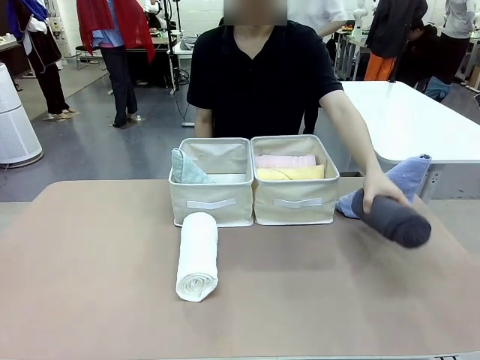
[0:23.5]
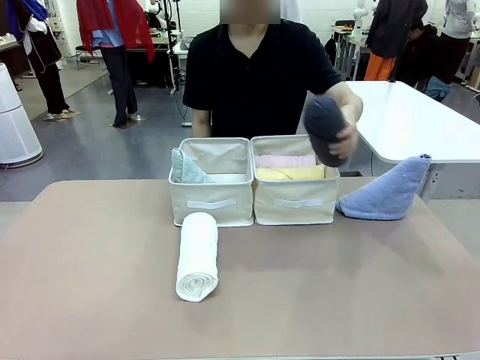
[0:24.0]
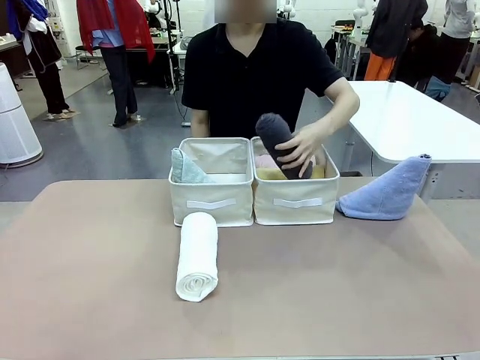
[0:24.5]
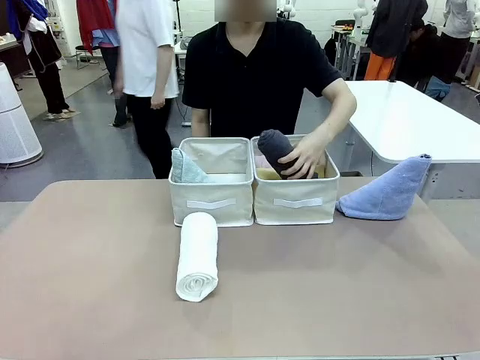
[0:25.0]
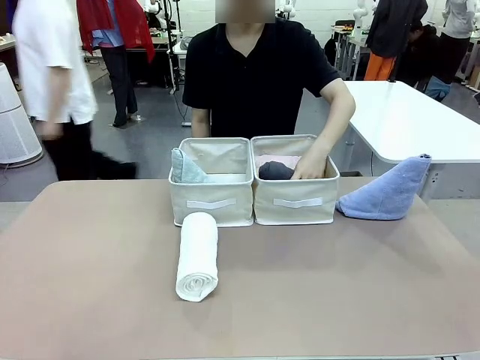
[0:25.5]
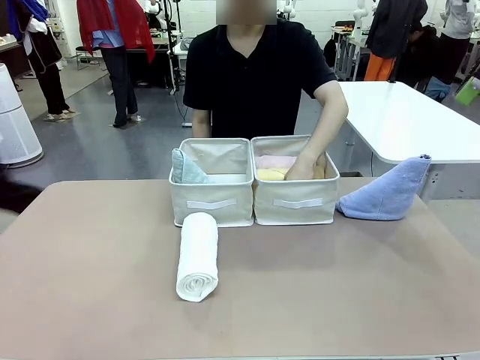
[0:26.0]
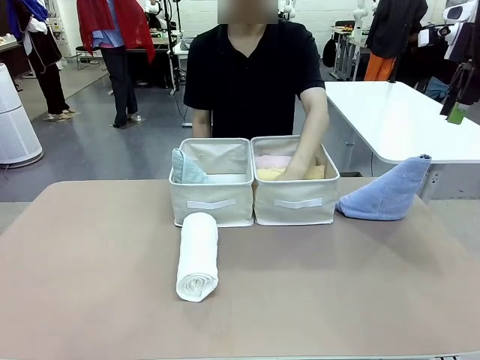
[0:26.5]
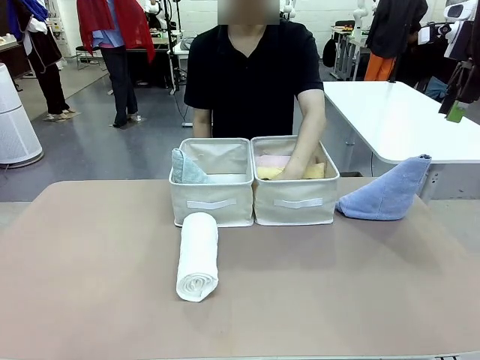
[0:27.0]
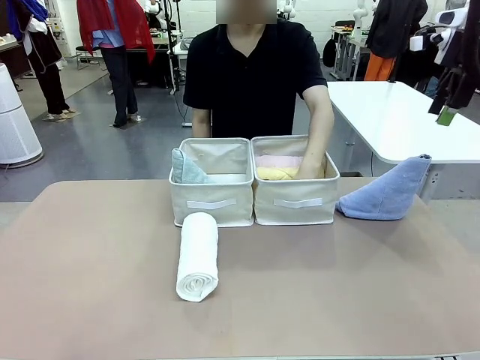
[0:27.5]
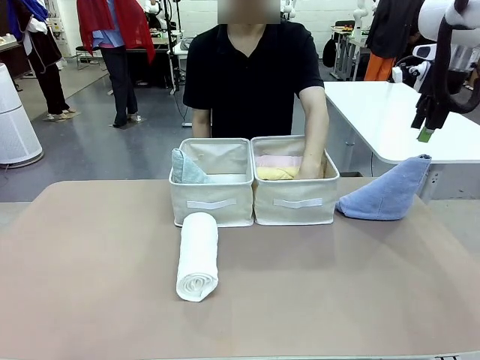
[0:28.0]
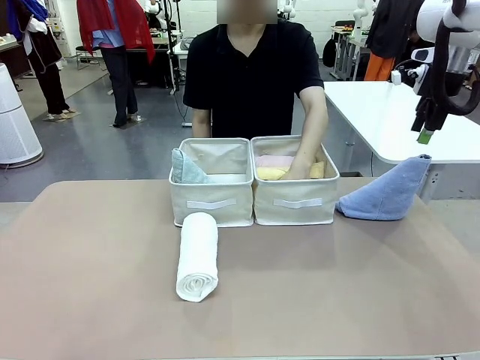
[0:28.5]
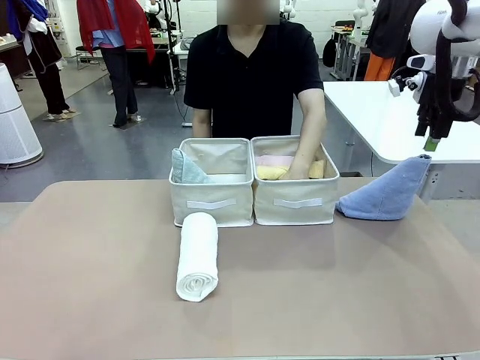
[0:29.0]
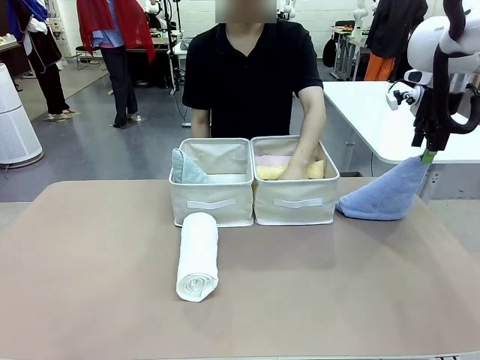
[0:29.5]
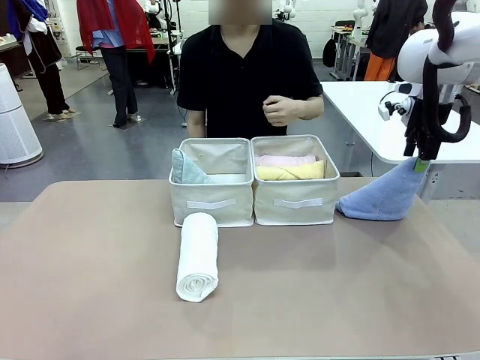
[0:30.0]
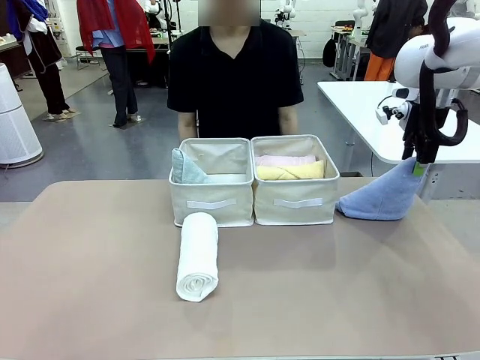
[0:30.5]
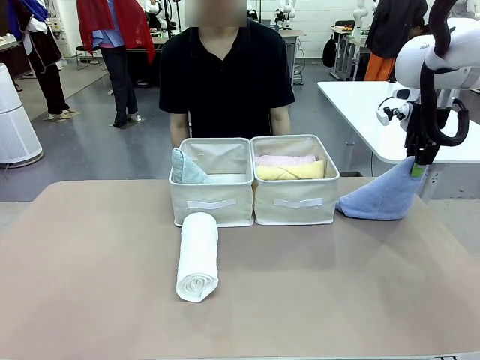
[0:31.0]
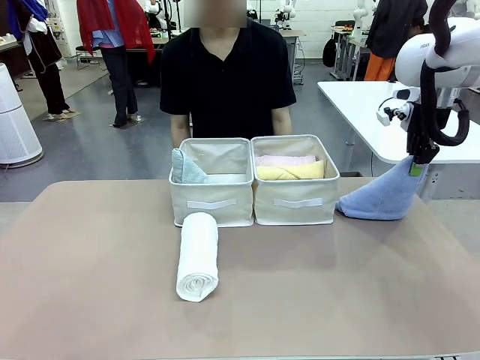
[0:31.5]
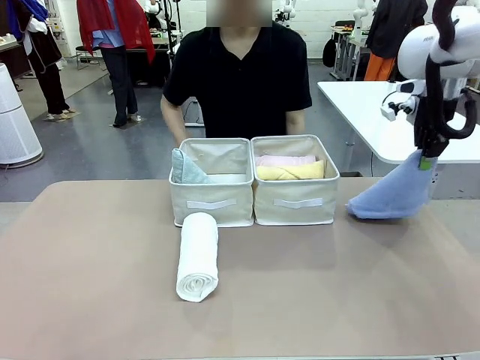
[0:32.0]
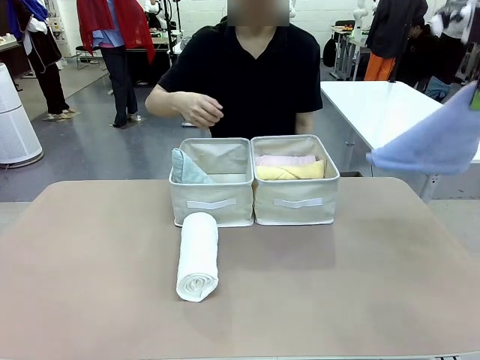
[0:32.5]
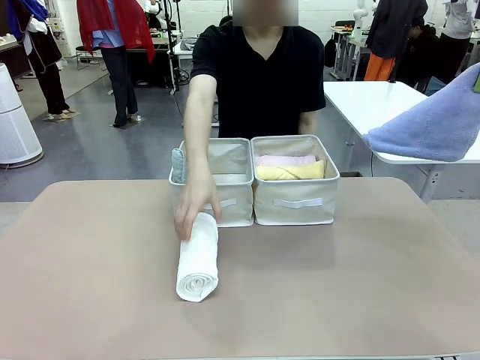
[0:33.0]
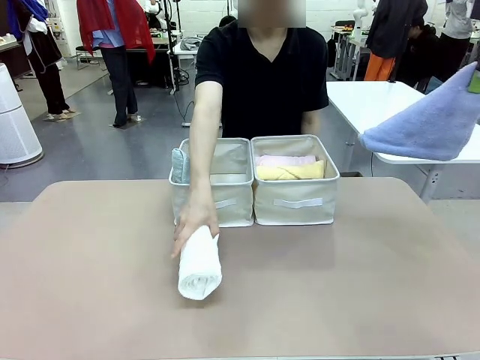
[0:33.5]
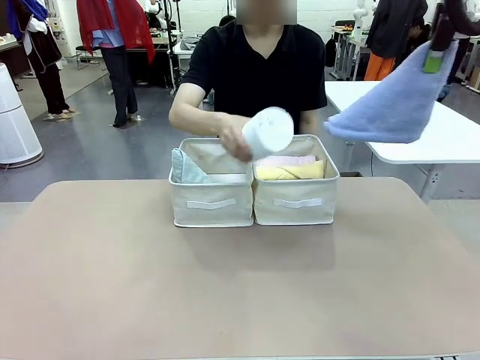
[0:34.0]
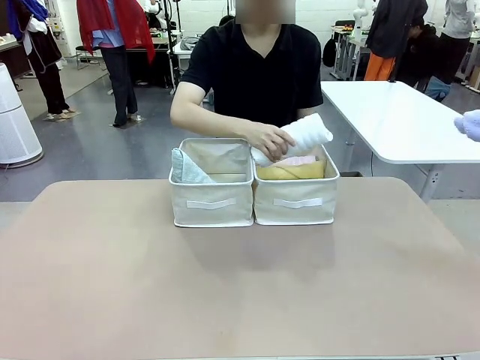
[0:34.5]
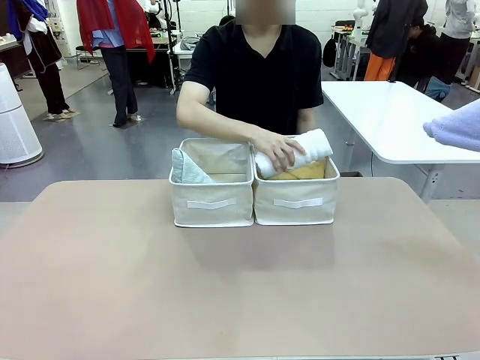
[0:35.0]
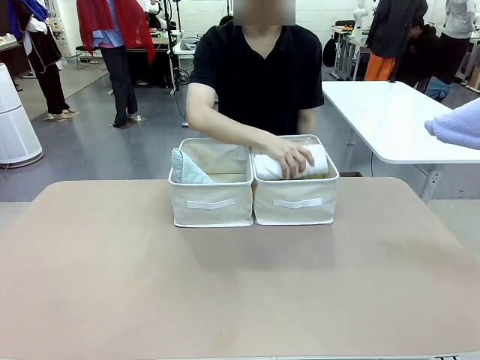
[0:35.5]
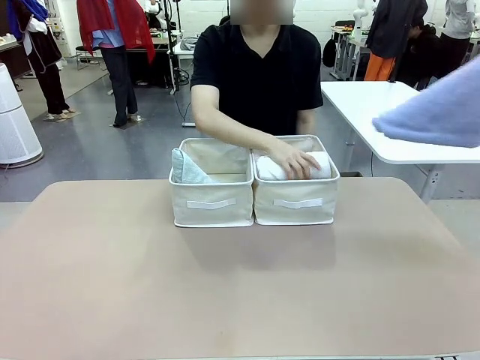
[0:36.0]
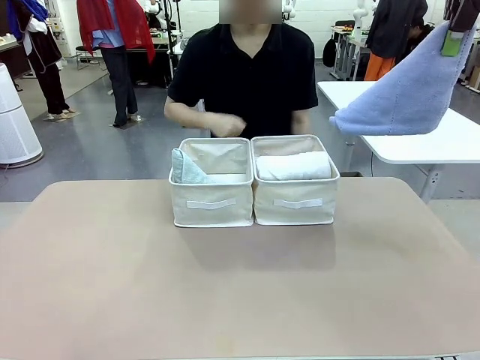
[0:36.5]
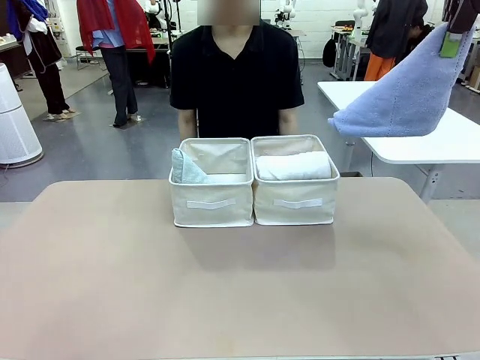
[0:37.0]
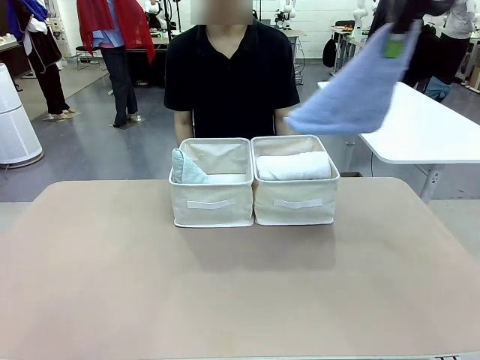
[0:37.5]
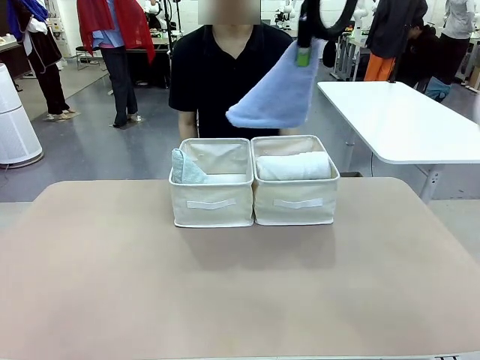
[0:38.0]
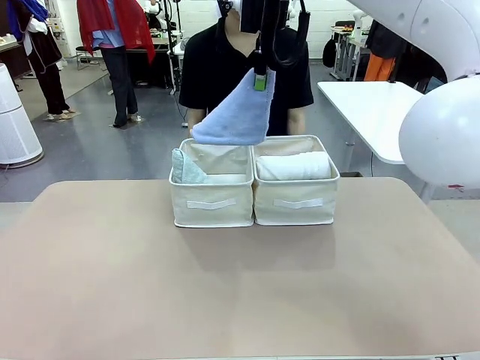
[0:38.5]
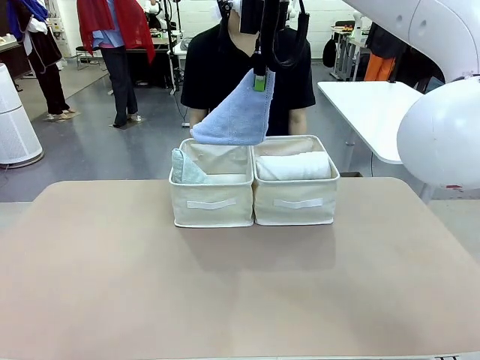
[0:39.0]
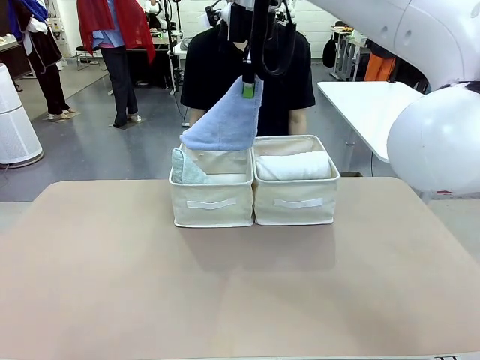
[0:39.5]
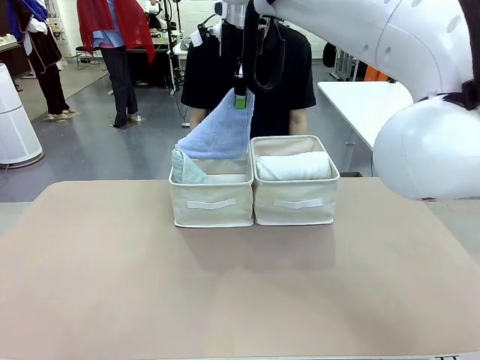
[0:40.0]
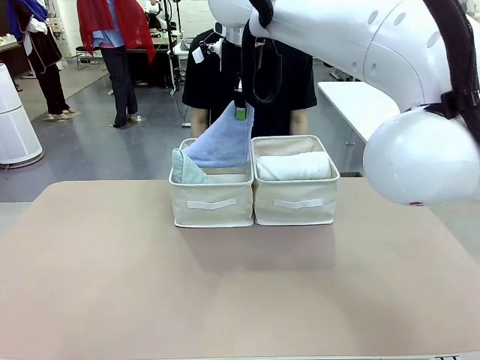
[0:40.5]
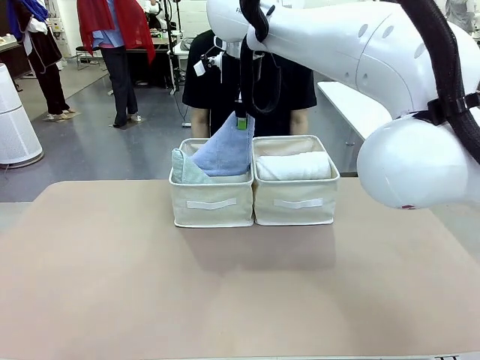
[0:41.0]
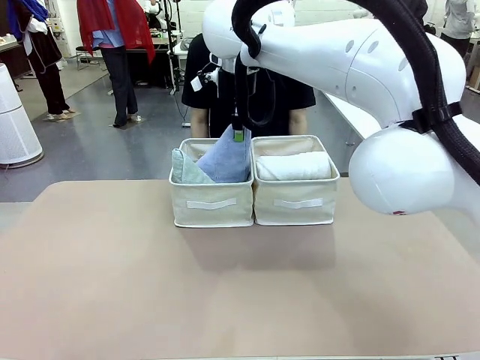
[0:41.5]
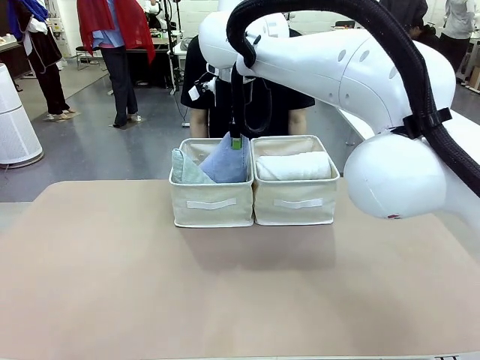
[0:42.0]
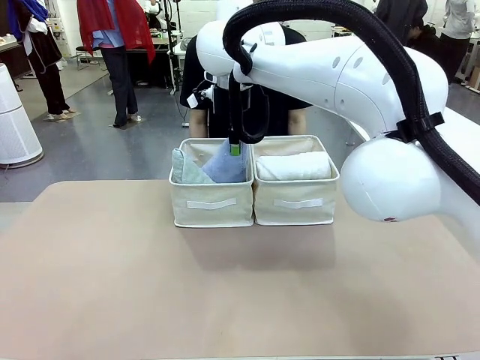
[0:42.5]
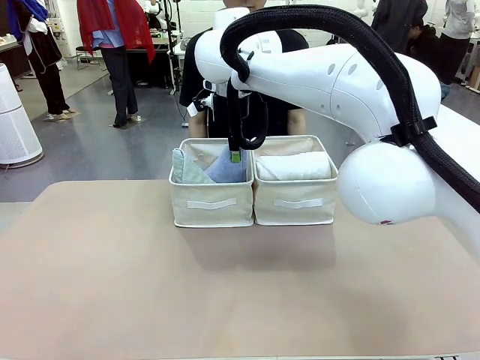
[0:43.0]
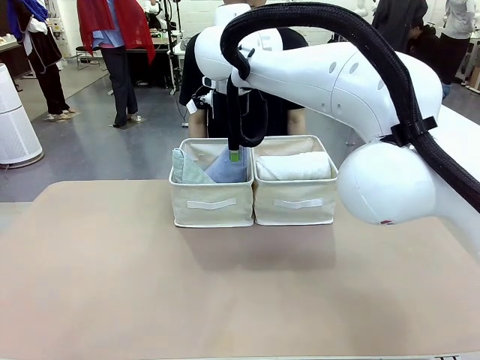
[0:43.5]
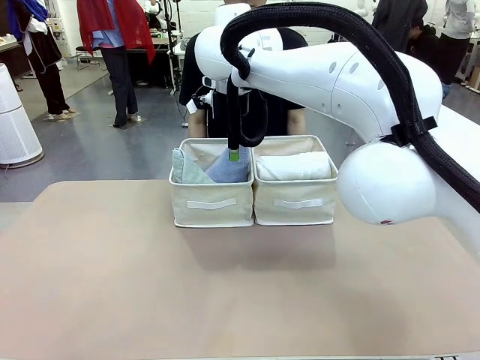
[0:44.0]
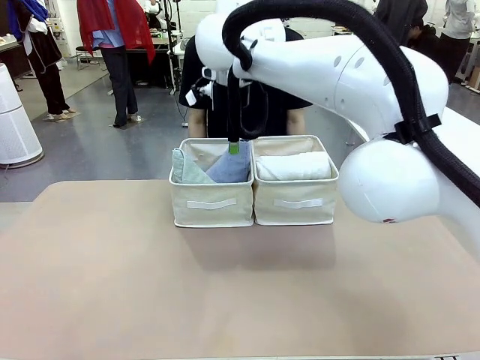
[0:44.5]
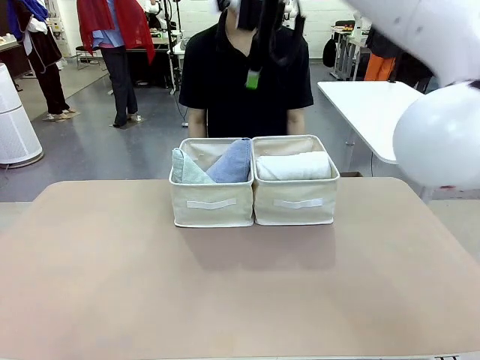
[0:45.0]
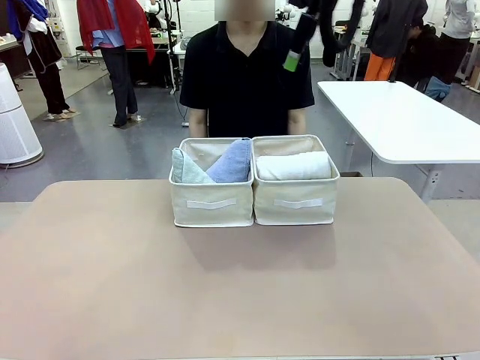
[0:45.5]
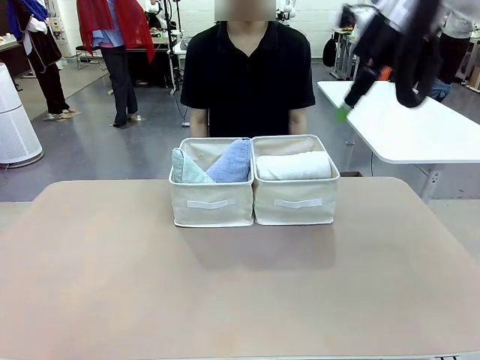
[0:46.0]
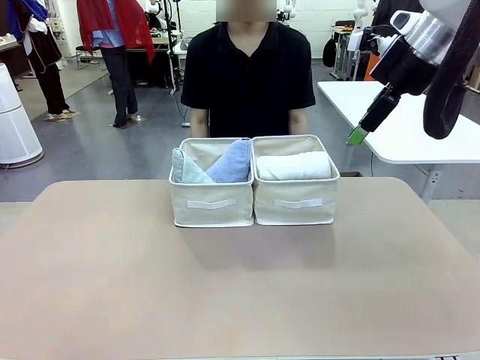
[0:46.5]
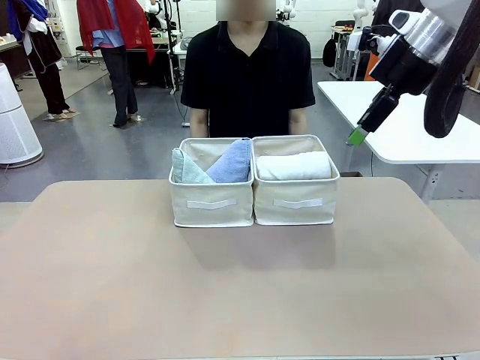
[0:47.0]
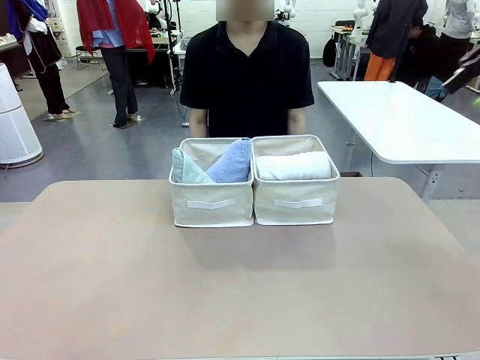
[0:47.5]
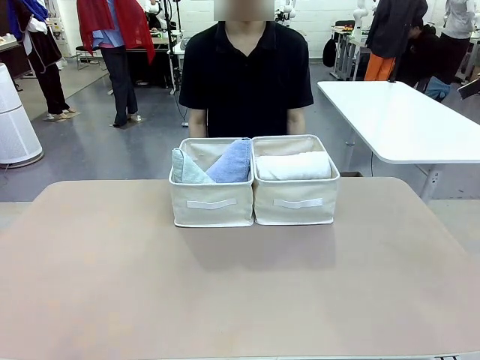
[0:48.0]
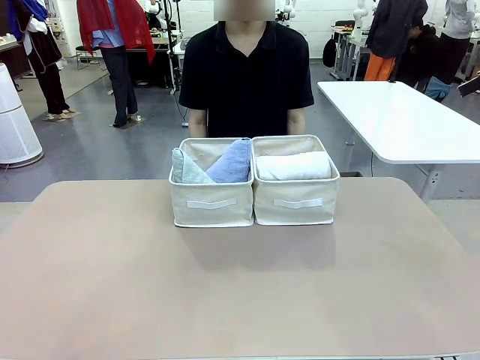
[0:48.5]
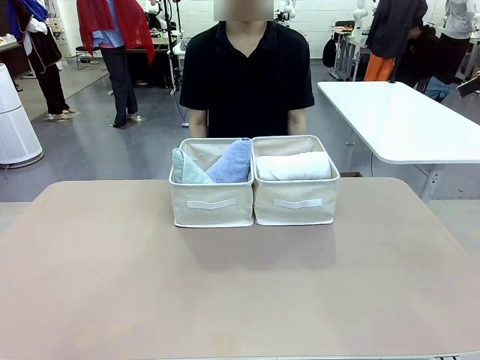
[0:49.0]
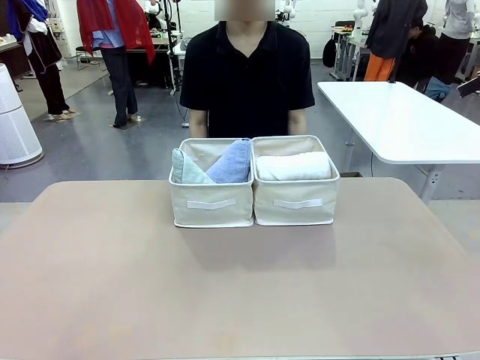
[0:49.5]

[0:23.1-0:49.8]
Task: Sort the towels based on their folding style.
Robot: Pick up another triangle-folded towel from the table and place it in the left Fabric basket.
Person: Pick up one hotel-style rolled towel from the table and place it in the left fabric basket.
